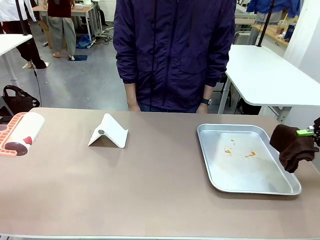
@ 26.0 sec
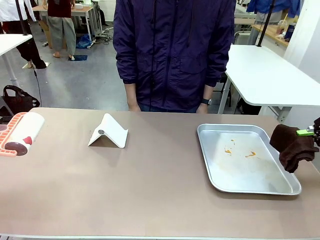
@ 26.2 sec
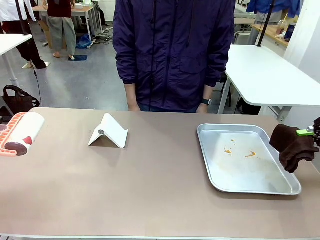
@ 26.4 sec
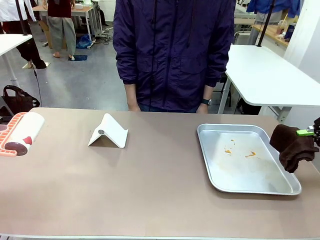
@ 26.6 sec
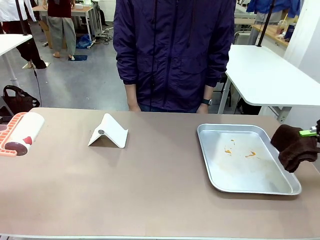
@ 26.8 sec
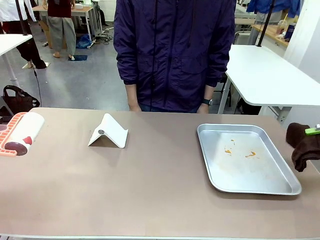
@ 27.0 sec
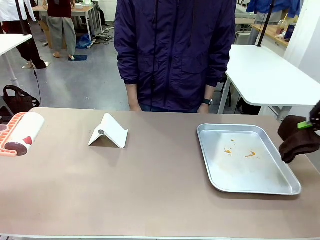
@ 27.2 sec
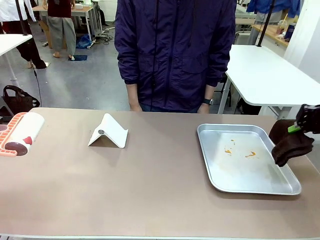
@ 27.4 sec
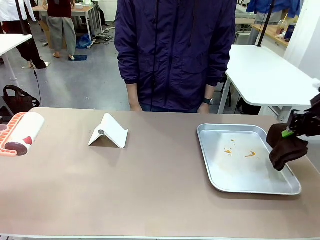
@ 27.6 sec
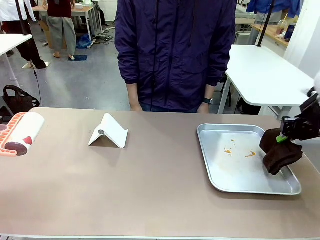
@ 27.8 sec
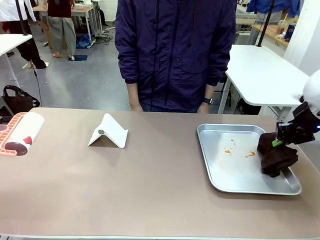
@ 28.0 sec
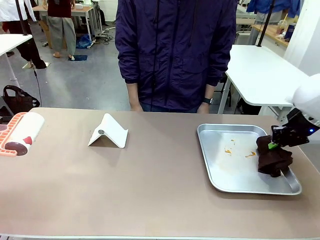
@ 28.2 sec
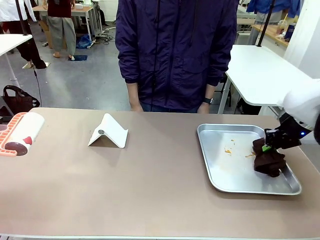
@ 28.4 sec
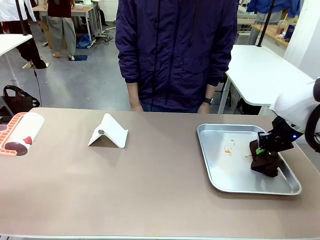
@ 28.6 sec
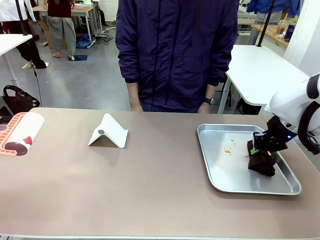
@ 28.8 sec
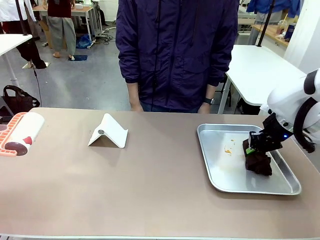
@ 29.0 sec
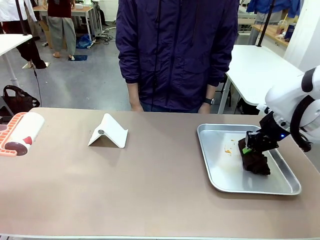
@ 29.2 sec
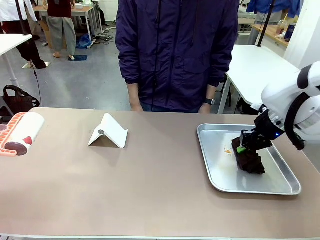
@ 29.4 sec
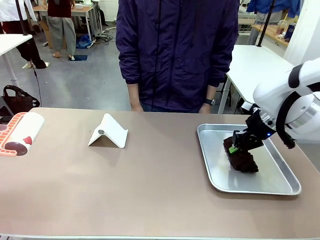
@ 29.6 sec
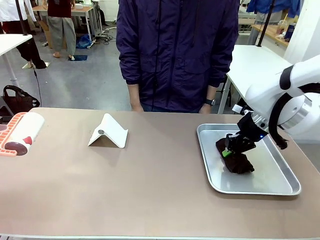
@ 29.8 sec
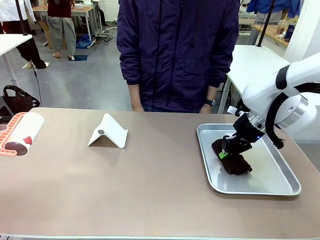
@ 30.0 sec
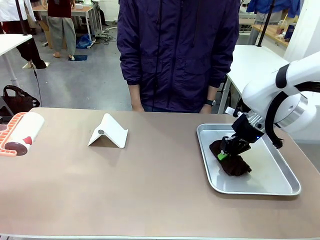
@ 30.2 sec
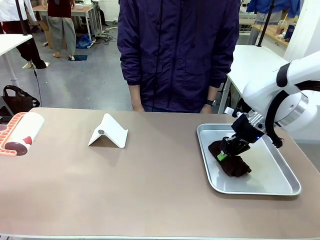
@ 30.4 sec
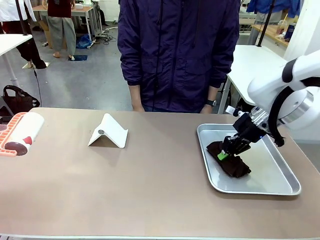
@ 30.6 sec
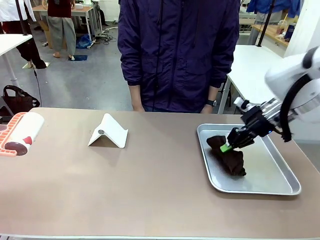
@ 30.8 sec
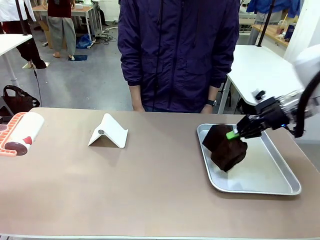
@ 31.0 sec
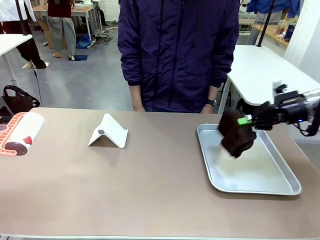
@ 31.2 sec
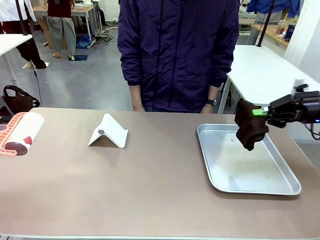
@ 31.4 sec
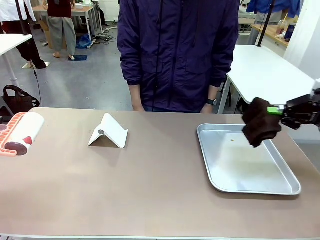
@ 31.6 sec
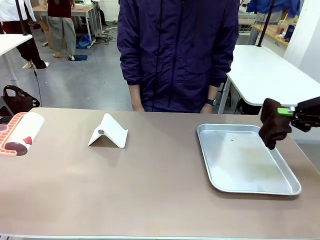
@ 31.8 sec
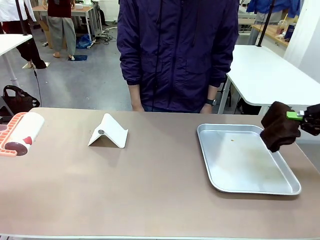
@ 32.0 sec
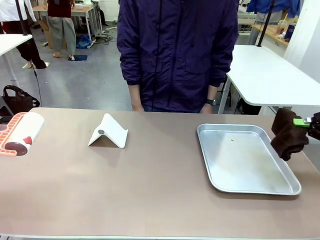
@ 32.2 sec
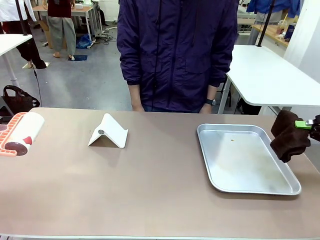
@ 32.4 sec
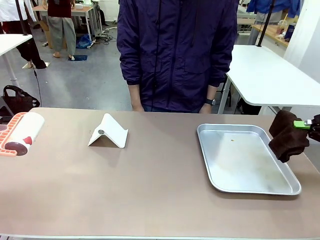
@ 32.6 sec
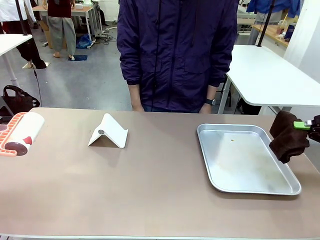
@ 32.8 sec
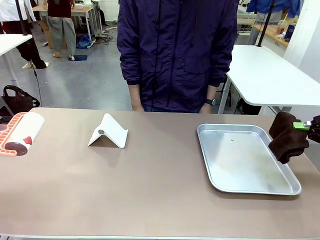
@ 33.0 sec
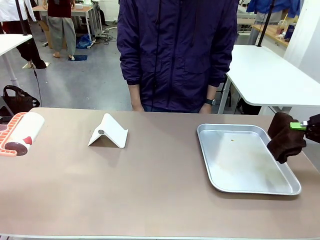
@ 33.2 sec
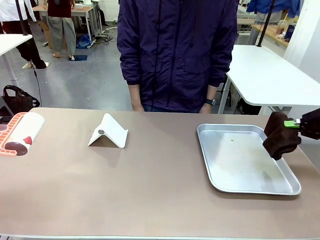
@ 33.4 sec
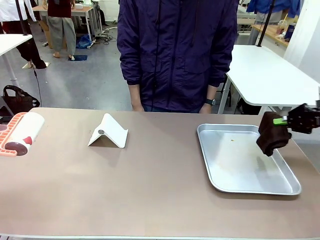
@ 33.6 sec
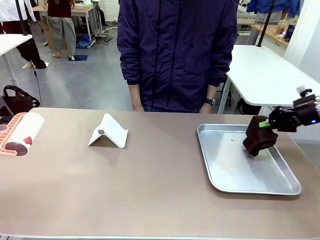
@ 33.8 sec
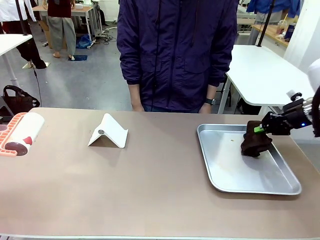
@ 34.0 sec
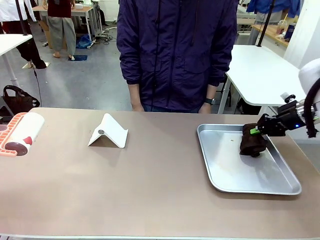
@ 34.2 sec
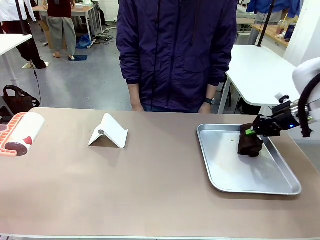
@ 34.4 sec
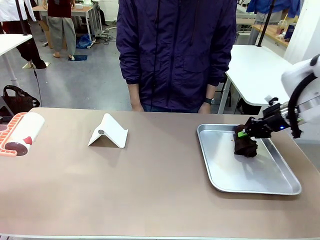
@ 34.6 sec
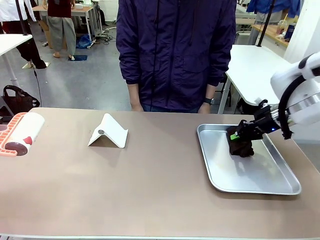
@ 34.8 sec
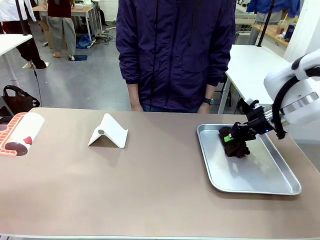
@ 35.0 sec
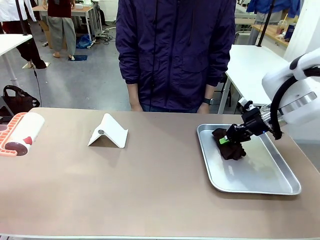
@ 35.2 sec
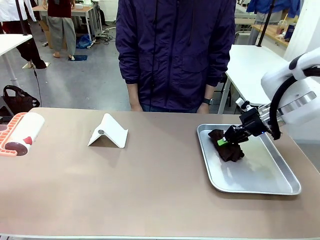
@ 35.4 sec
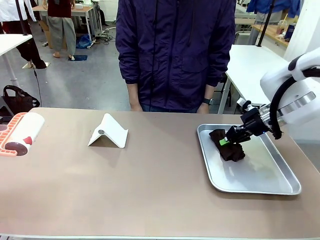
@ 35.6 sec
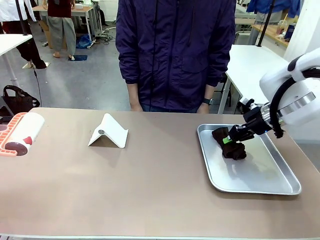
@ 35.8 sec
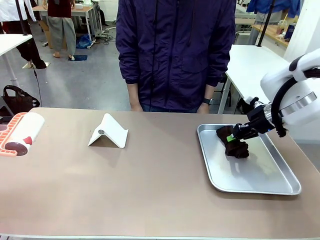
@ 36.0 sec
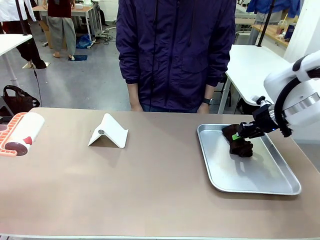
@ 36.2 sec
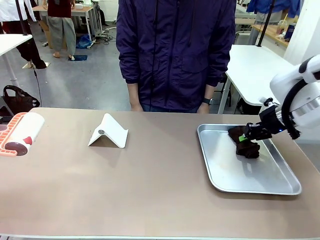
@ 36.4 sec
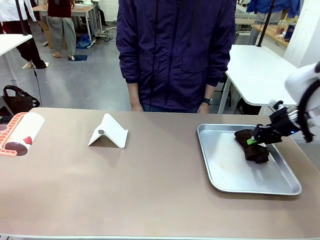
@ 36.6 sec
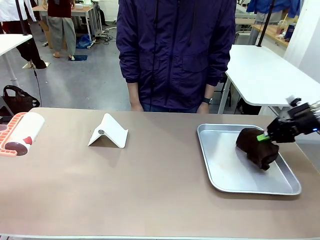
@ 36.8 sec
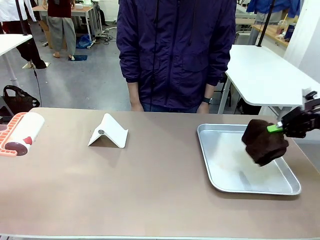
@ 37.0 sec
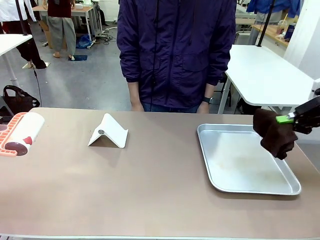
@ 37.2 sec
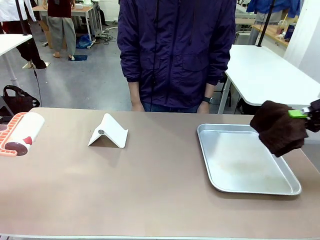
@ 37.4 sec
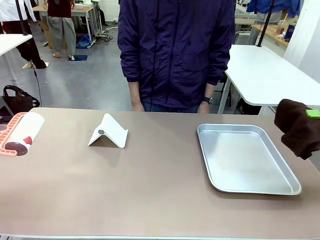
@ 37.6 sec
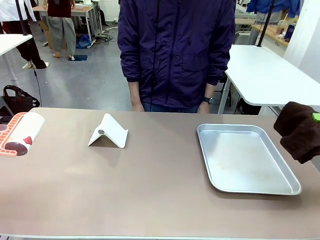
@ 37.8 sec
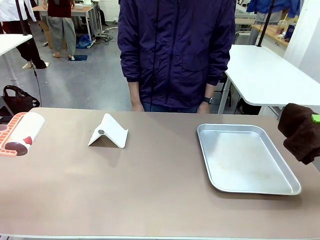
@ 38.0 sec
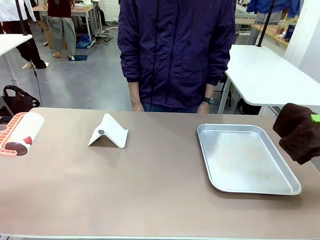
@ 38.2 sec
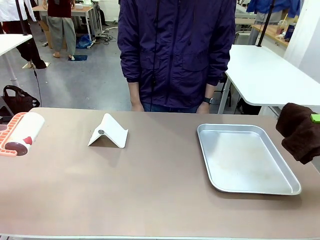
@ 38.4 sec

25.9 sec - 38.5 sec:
Task: Clean the surface of the table.
Robot: Clean the area not pointed to by the person.

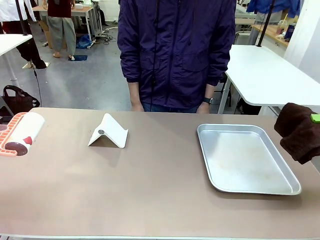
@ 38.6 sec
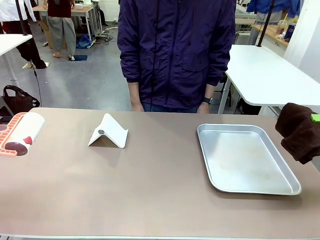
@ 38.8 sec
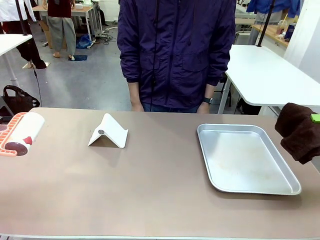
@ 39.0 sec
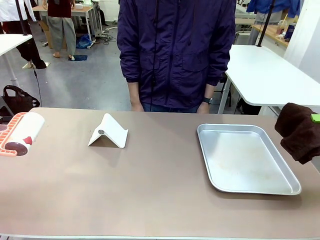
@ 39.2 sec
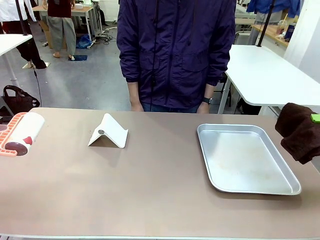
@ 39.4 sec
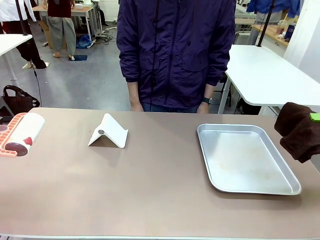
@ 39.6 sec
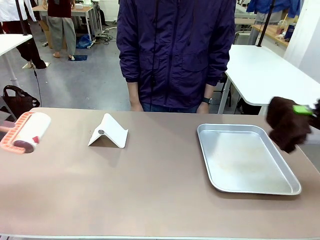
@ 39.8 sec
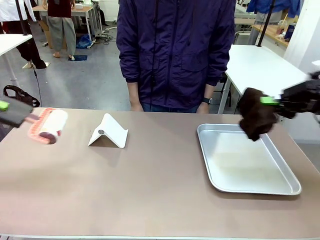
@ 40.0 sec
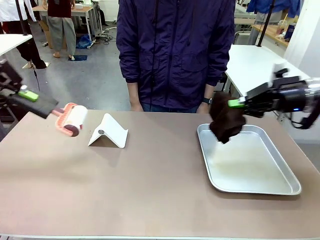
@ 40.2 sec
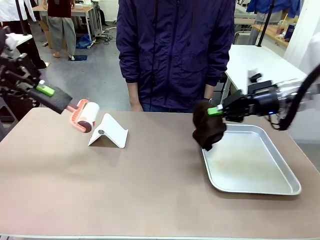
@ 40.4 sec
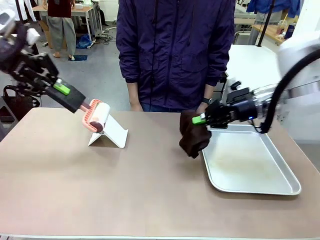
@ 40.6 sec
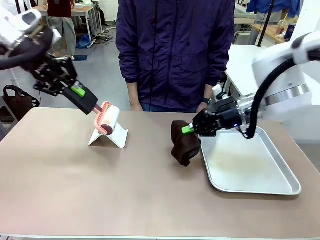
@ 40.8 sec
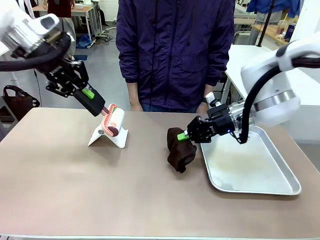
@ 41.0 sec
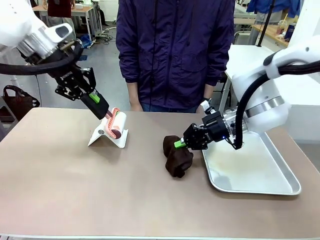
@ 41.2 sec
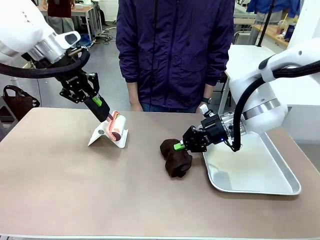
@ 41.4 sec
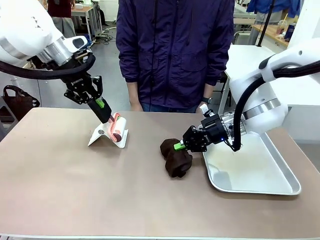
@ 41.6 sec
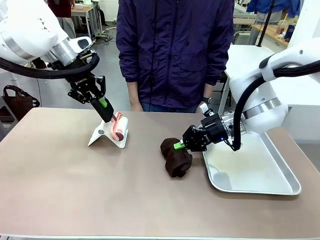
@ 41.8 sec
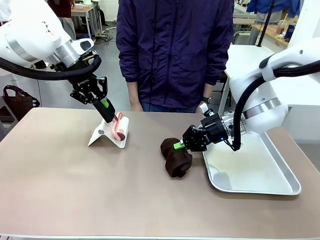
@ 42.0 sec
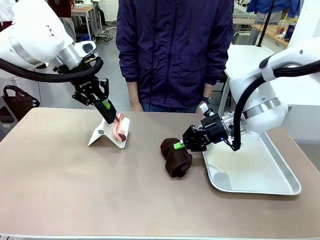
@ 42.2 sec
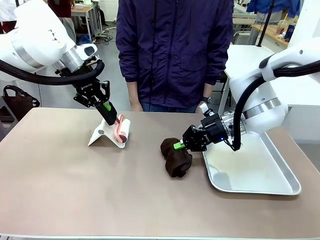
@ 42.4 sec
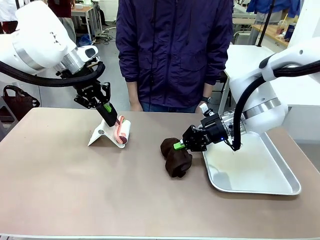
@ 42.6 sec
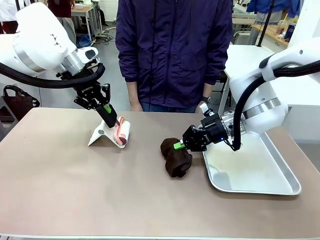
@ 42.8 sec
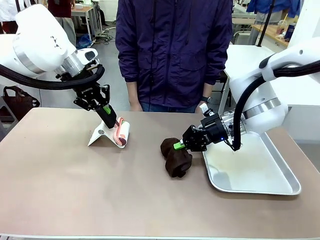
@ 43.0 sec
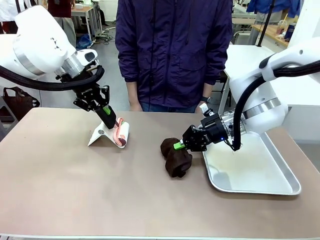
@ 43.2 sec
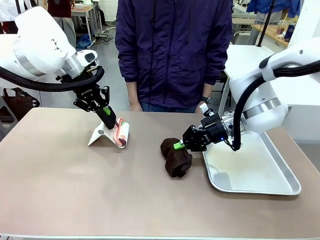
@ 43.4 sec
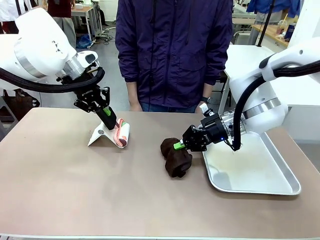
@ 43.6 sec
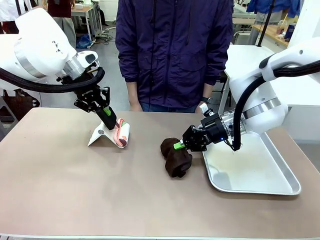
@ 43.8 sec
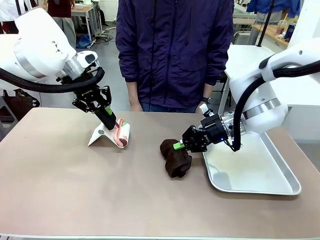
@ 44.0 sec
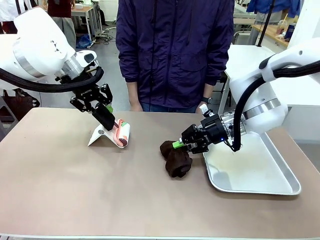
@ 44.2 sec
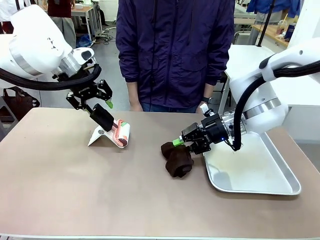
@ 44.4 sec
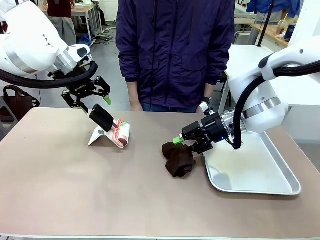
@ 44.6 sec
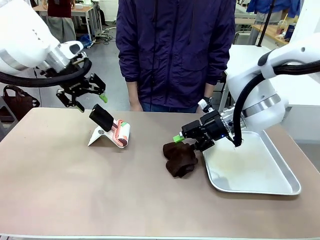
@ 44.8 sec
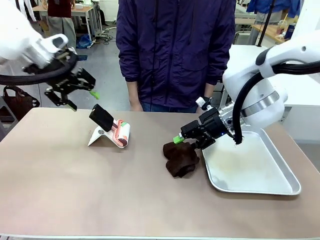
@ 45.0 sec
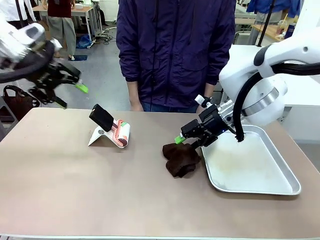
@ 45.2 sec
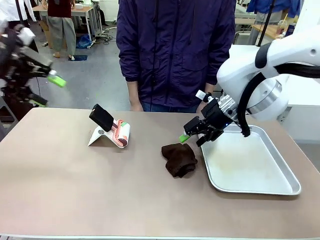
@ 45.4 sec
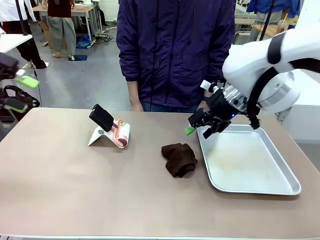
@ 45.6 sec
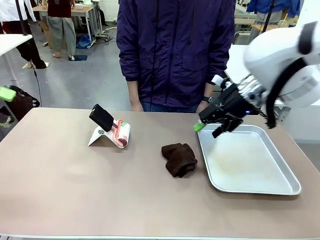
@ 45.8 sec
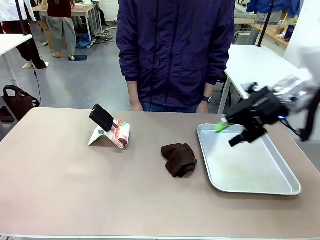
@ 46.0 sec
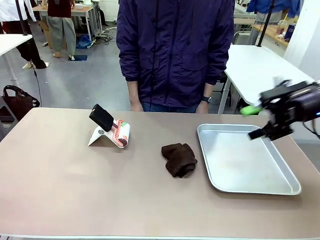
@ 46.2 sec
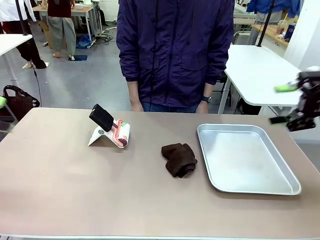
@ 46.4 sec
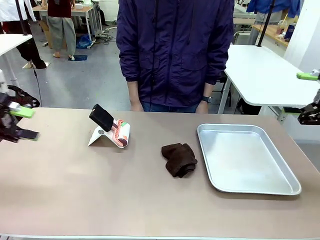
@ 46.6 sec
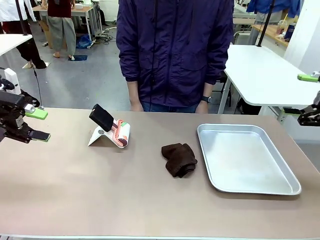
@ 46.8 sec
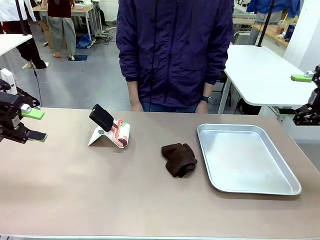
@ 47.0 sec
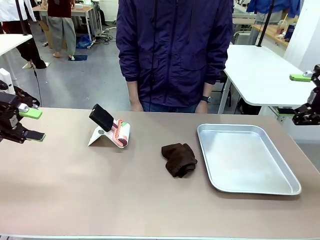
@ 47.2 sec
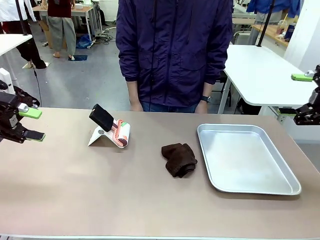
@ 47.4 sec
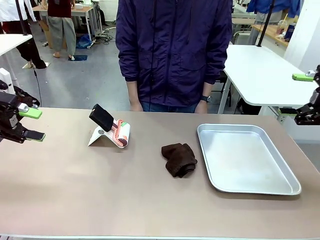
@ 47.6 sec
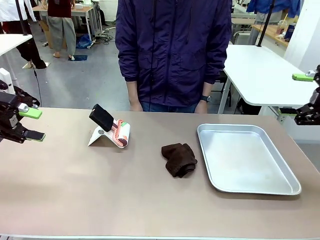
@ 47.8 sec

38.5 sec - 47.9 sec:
Robot: Return the Lint Roller and towel to their original positions.
